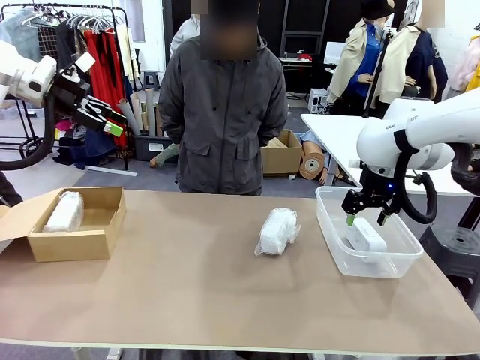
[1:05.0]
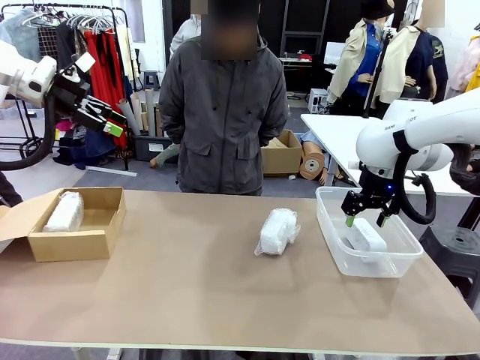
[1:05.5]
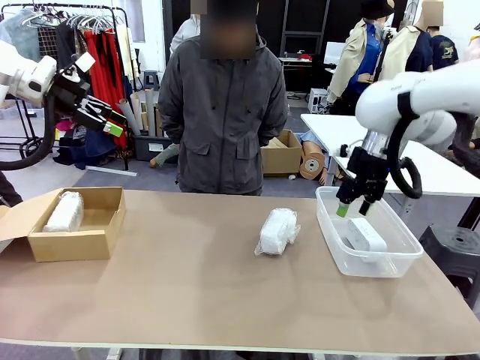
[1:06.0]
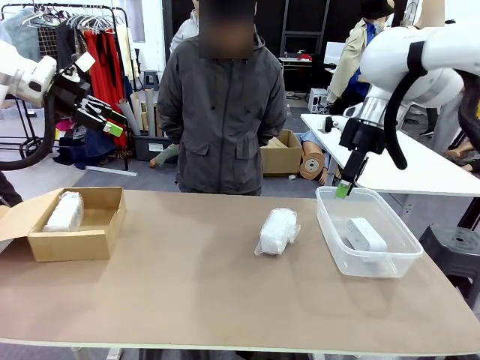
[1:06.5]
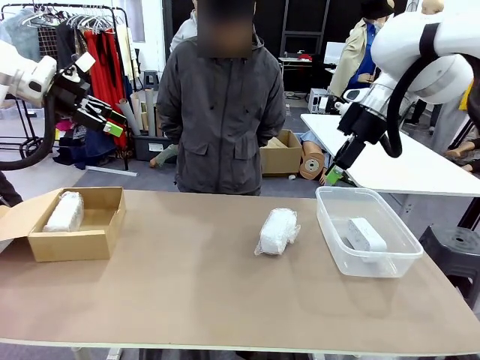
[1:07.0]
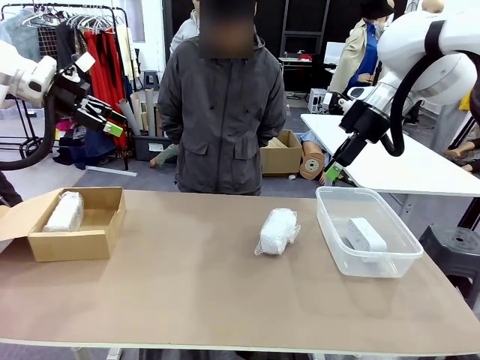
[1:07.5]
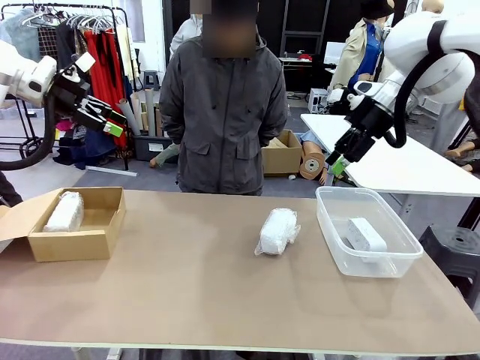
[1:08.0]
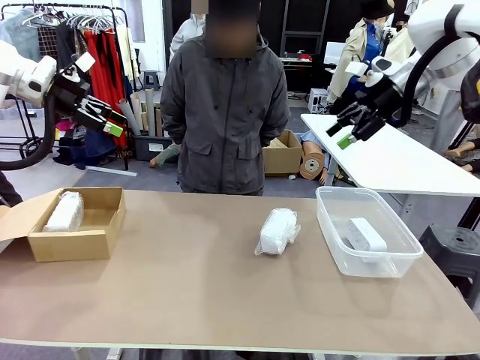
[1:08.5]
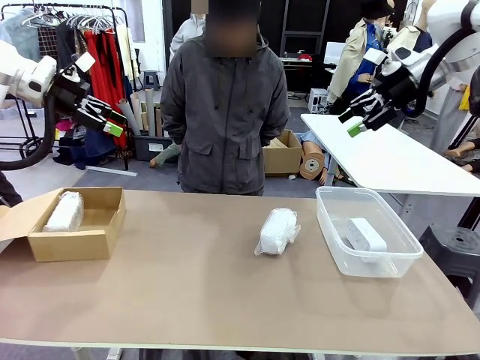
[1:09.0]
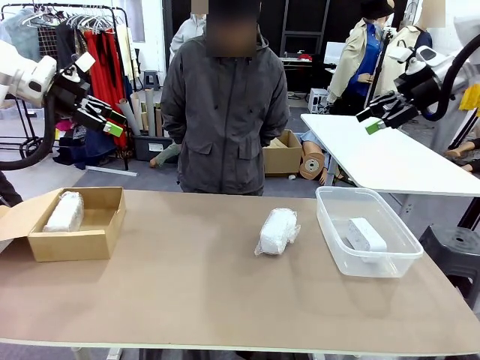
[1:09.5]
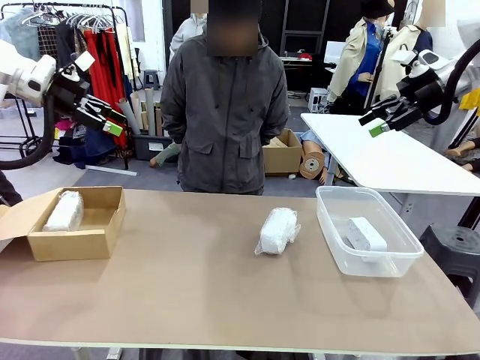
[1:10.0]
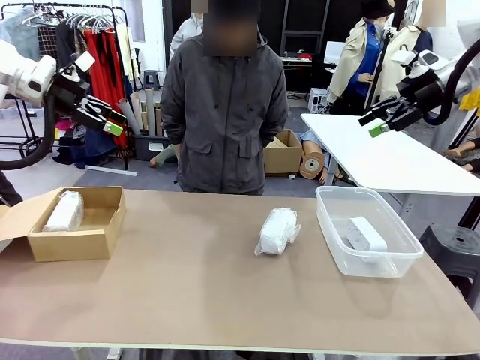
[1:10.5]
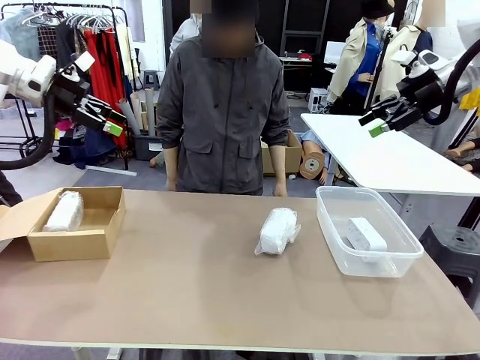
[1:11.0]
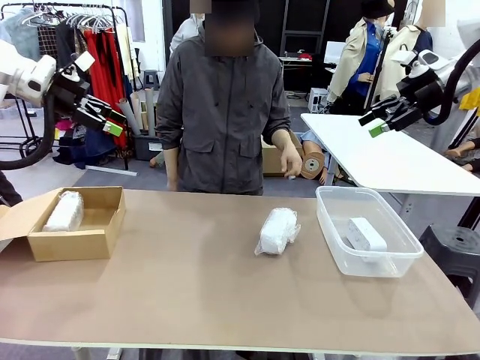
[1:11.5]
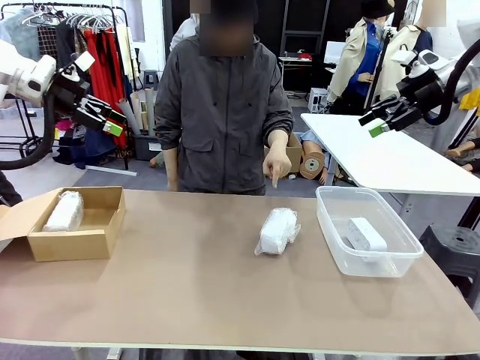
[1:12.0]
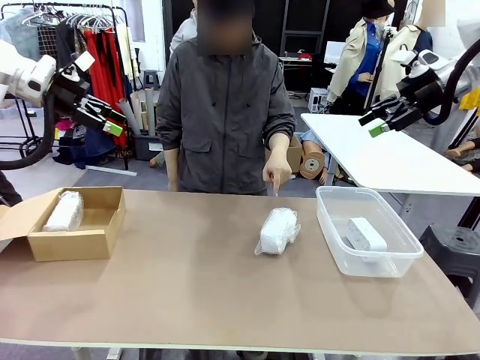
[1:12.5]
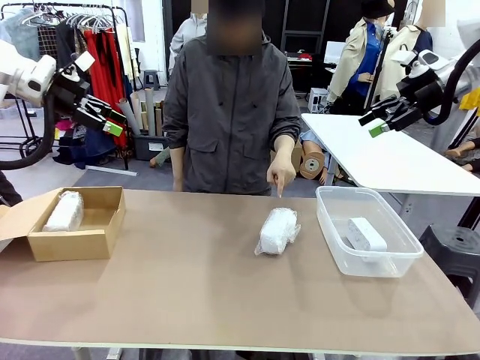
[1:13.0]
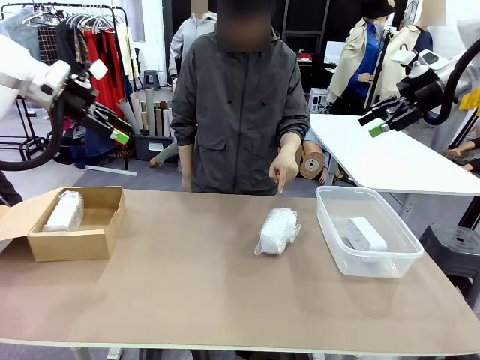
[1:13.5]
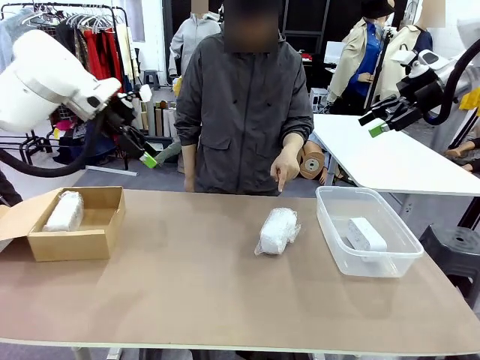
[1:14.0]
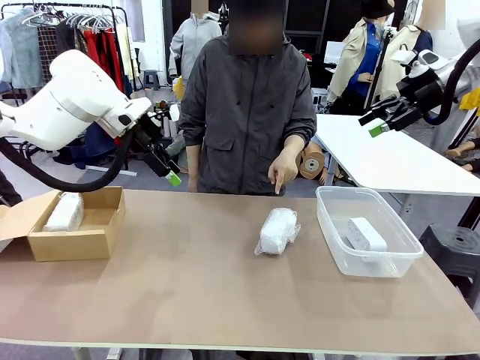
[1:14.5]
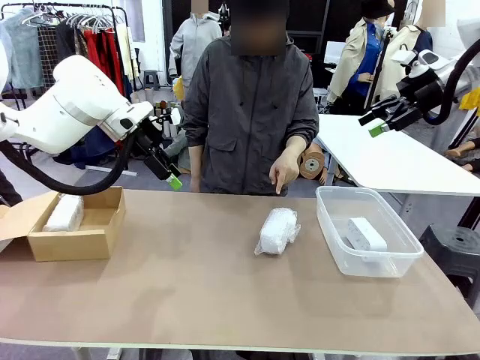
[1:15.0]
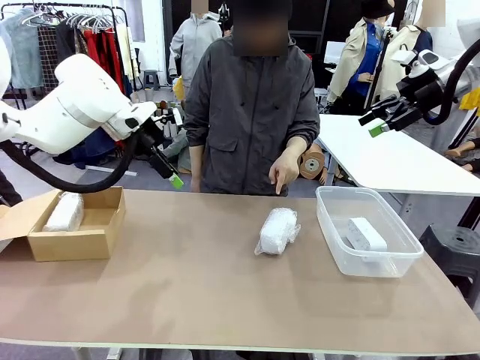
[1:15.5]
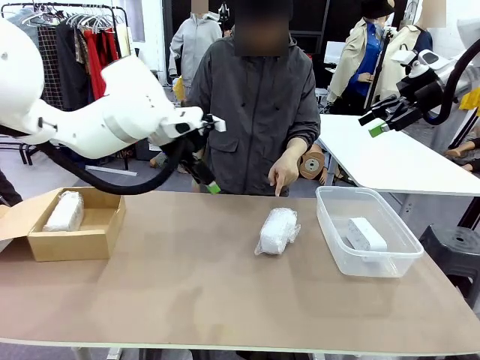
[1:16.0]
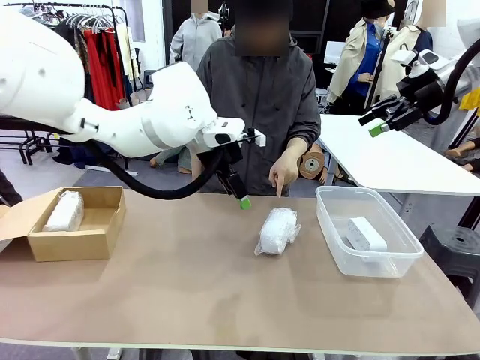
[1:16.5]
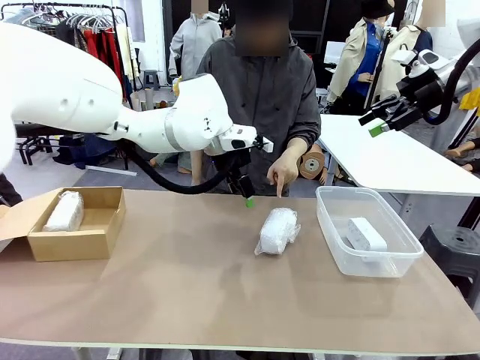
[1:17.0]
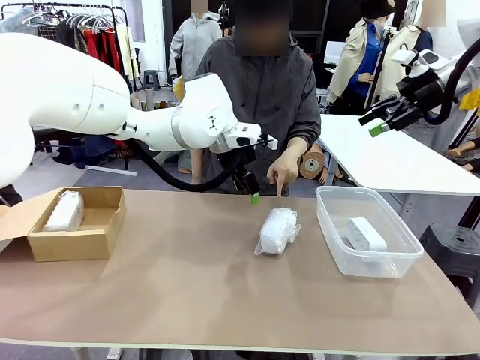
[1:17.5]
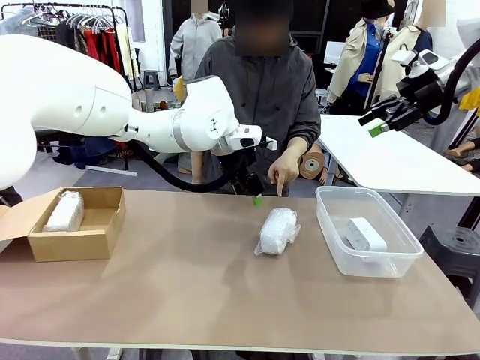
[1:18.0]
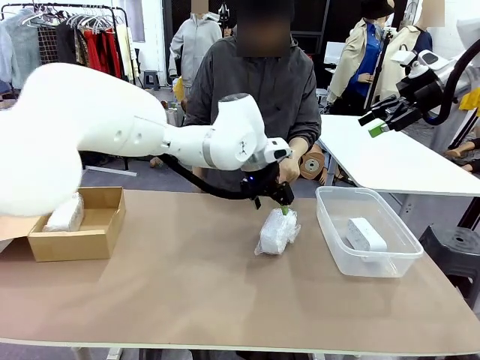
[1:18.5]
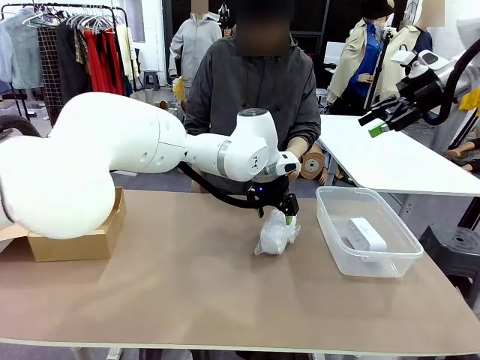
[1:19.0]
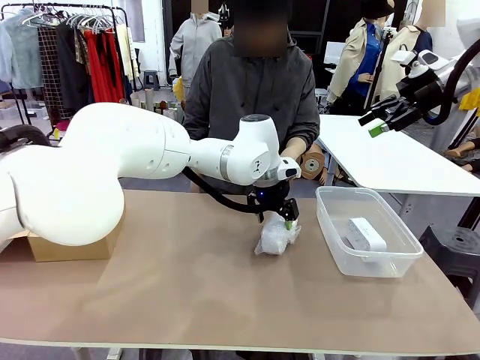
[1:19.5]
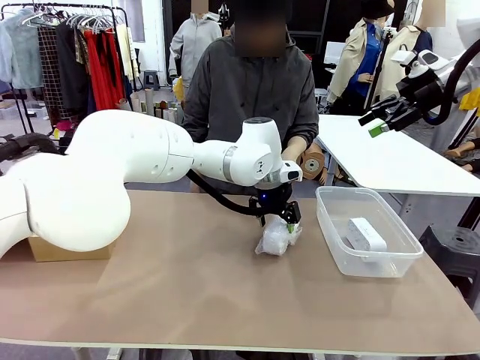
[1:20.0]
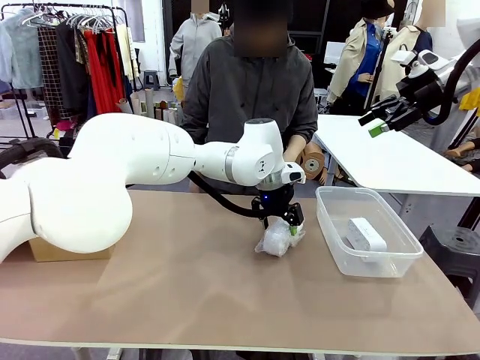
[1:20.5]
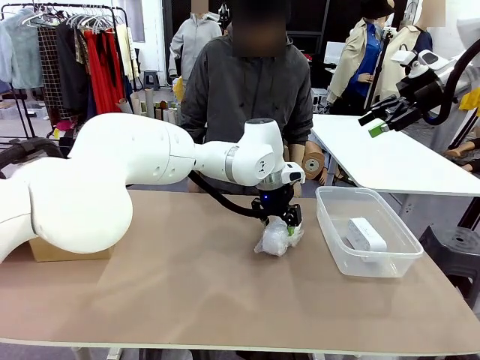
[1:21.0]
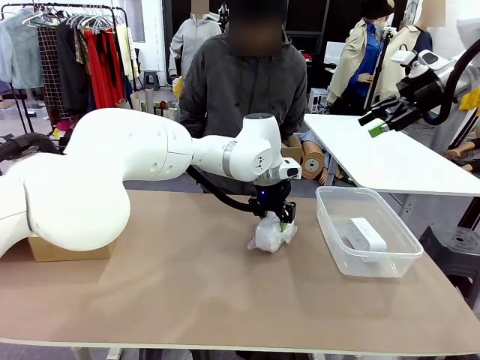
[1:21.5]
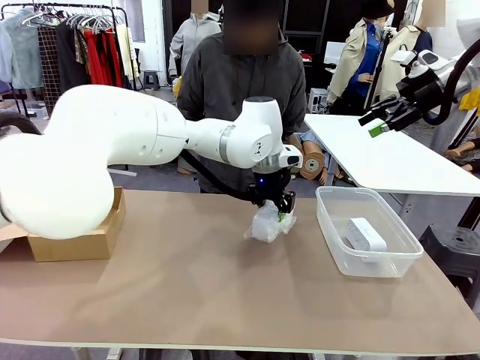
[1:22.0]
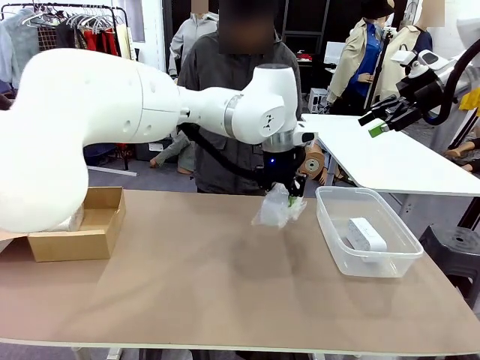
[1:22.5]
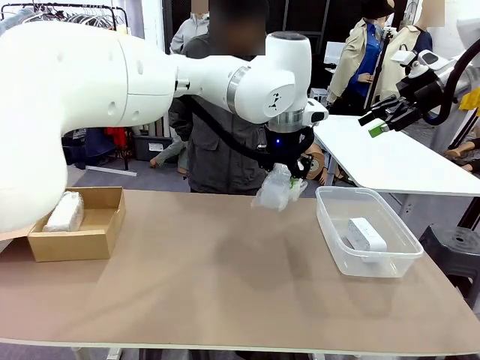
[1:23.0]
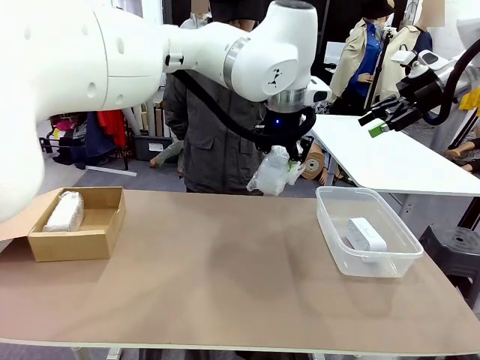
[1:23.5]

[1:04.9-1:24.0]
Task: Separate and place wrapped and unwrapped clocks.
Robot: Pick up the Digital clock indicated by the person.

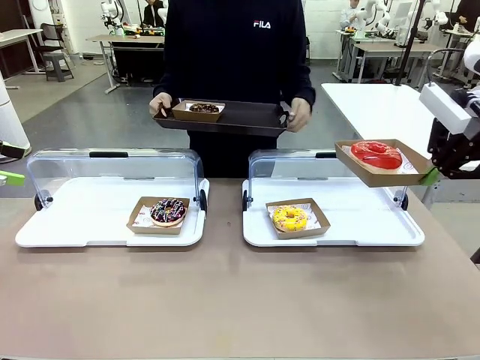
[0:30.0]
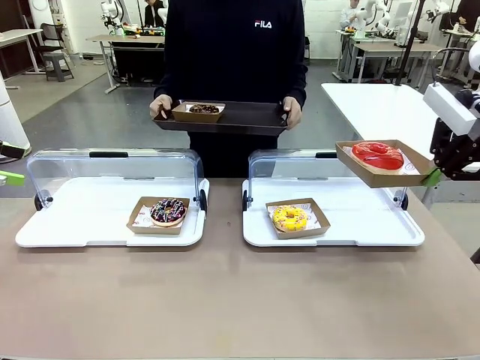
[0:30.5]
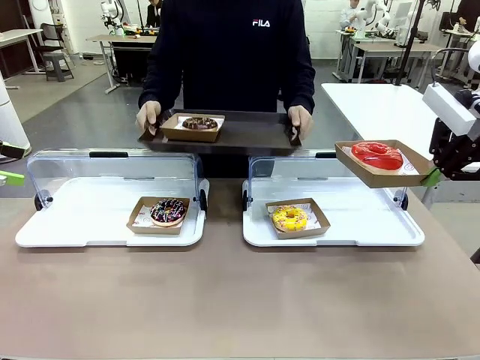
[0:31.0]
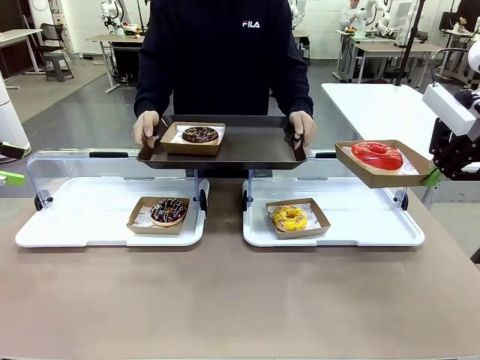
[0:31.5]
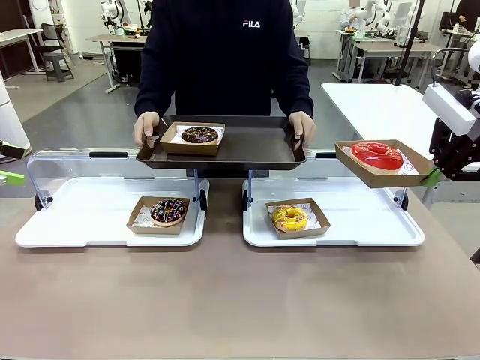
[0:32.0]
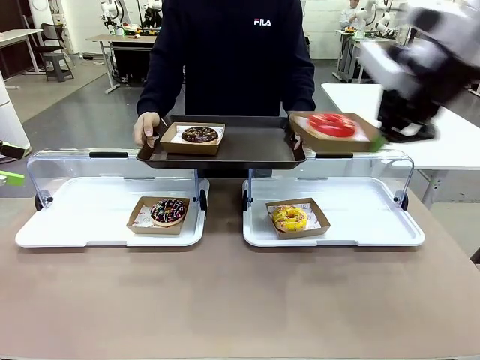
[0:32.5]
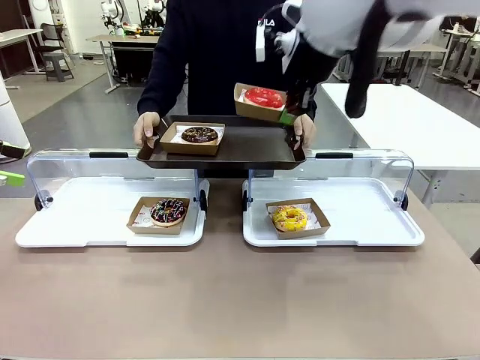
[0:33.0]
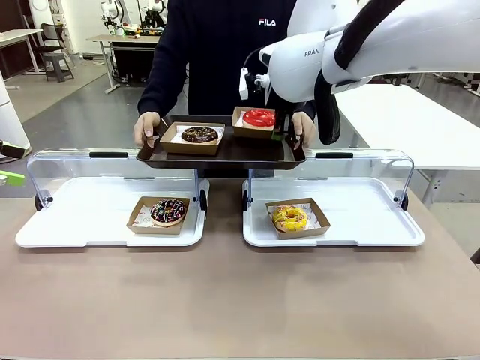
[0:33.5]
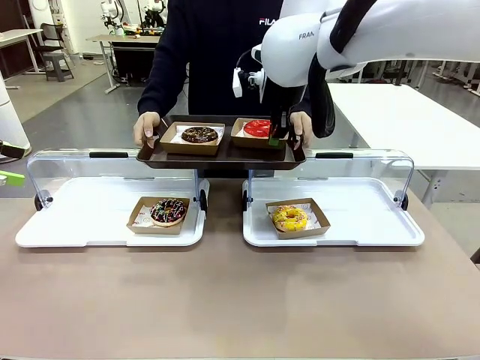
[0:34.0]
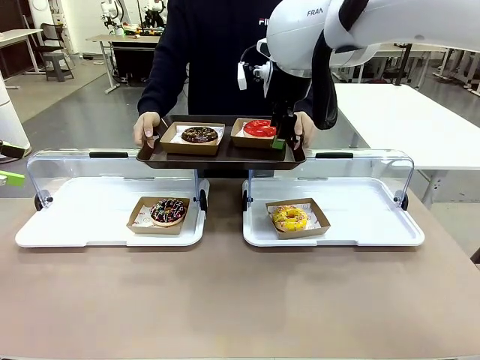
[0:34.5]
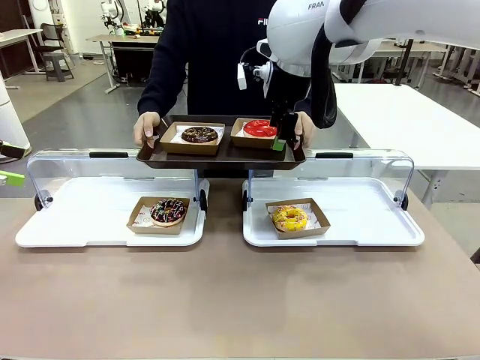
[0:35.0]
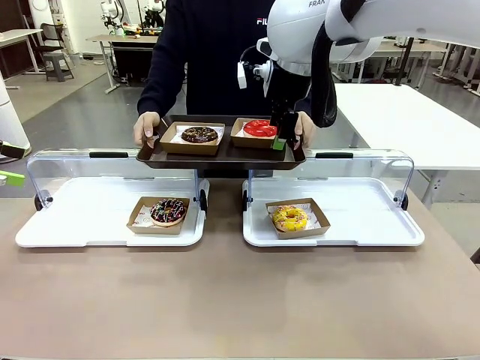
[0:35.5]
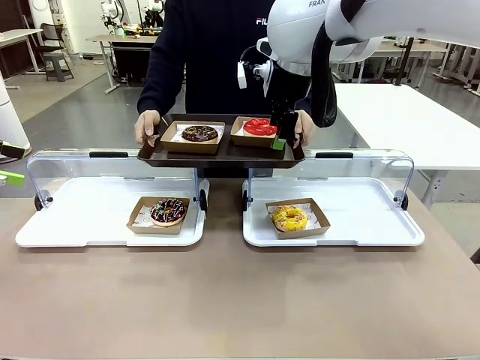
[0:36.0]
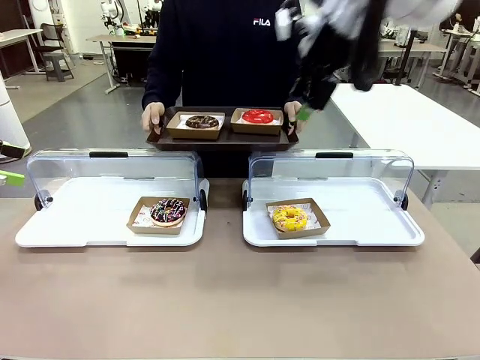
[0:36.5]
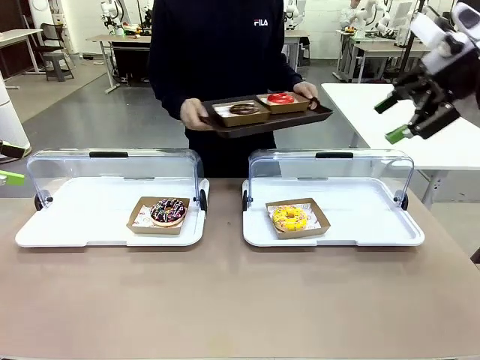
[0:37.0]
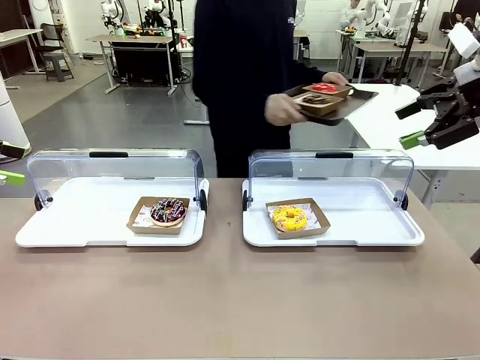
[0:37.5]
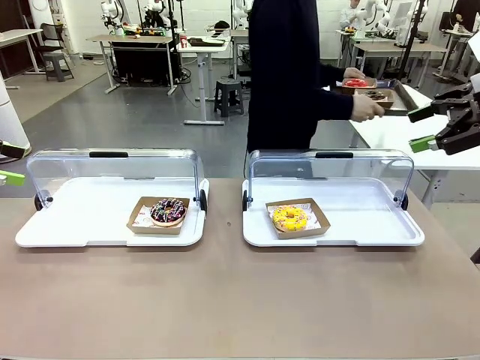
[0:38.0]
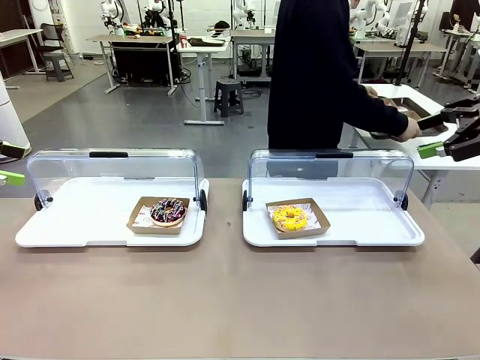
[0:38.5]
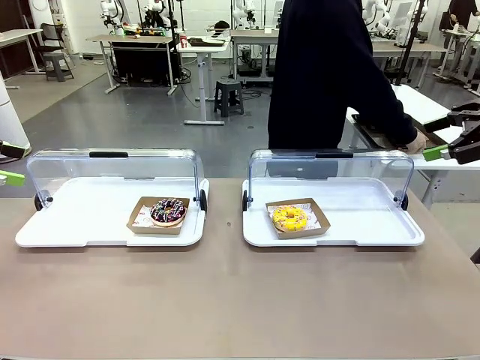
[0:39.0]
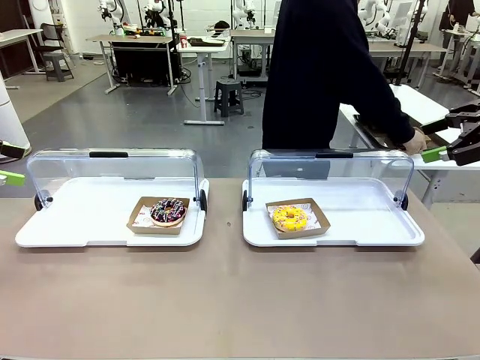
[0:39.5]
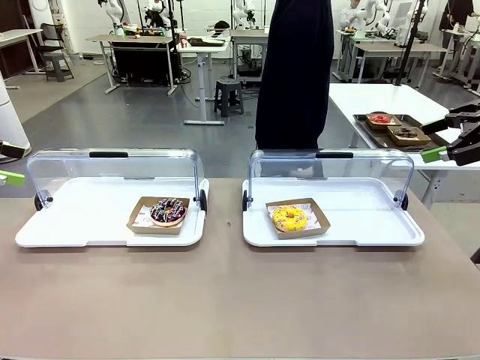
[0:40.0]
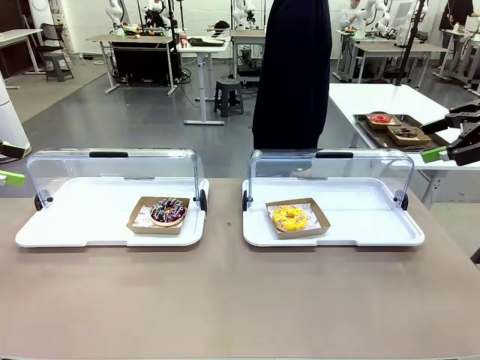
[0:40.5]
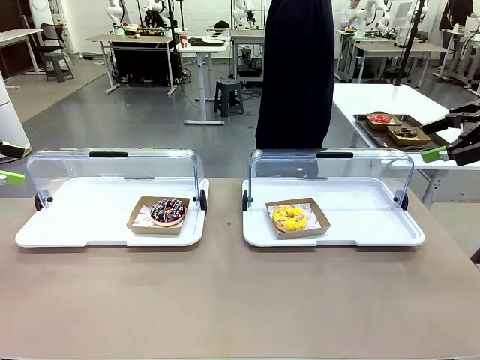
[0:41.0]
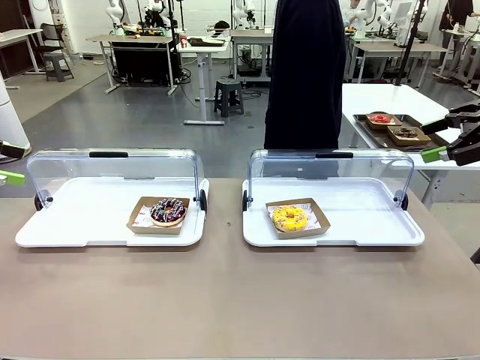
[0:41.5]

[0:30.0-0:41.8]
Task: Provide the desired donut to the person.
Robot: Place the picked Paper togo box onto the Handle tray extended by the person.
Person: Place the tray in the middle of the human table.
